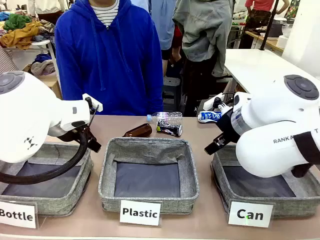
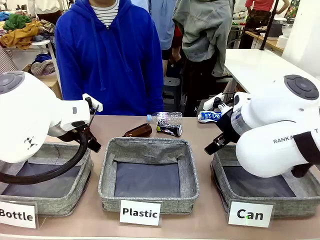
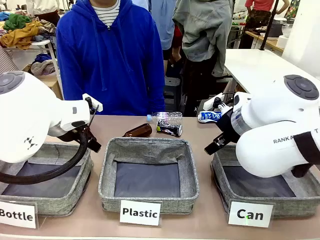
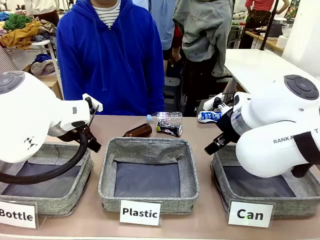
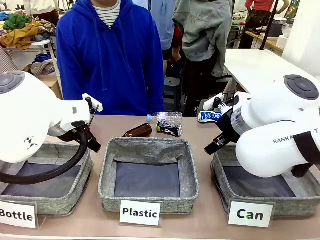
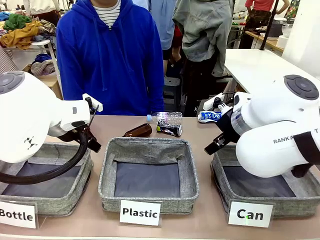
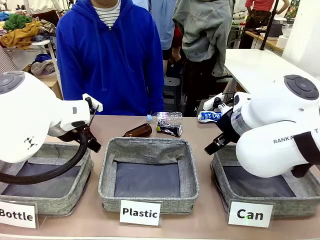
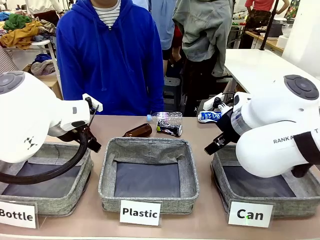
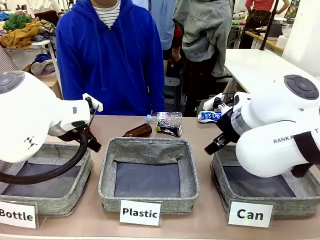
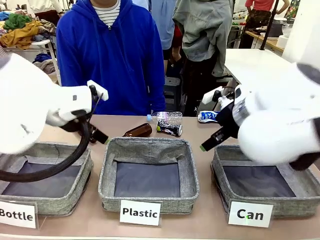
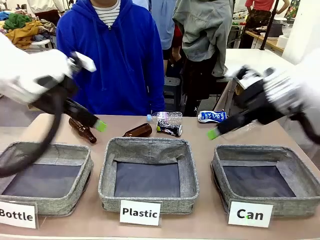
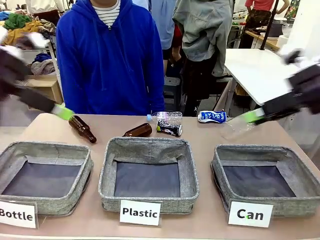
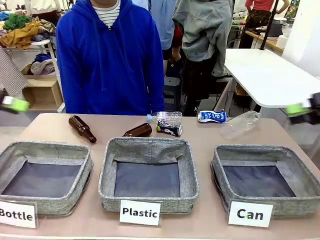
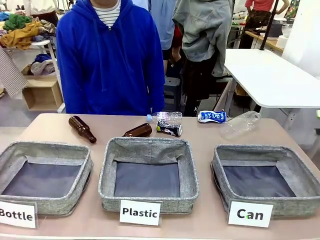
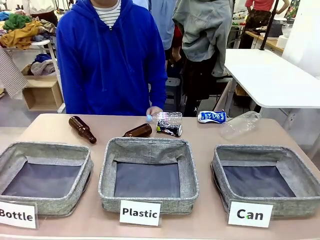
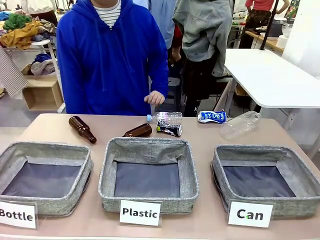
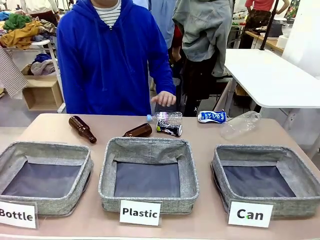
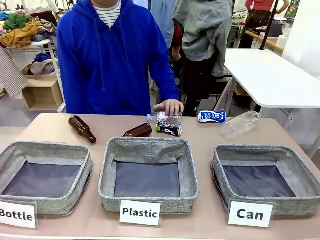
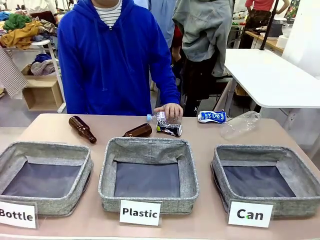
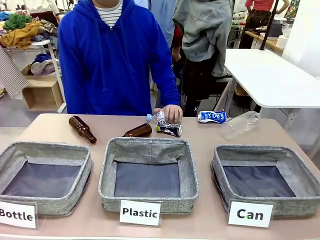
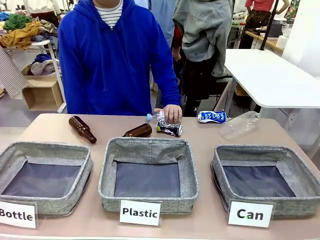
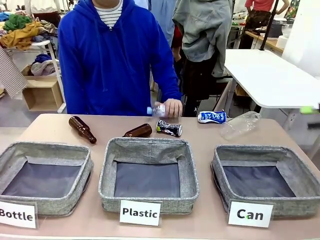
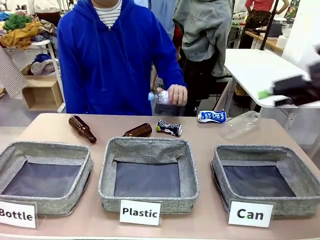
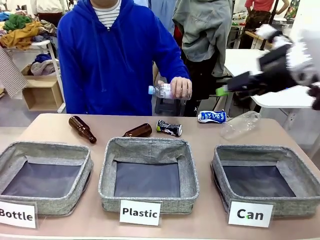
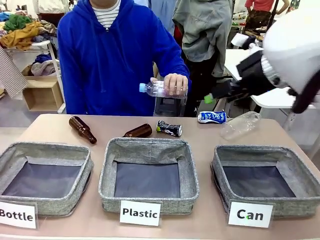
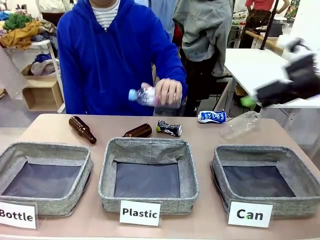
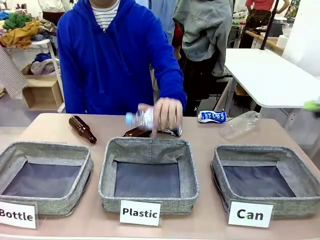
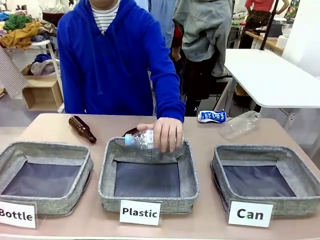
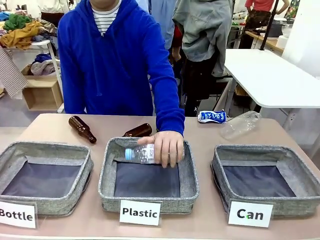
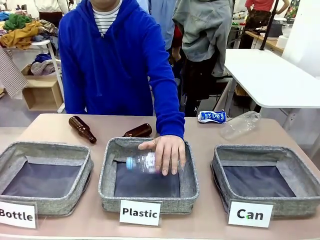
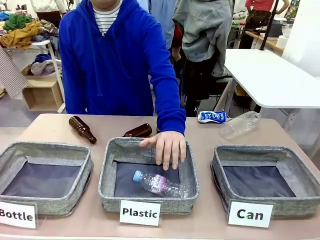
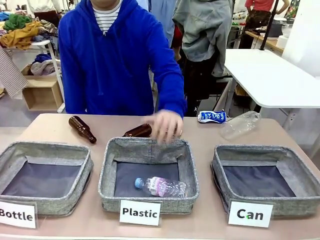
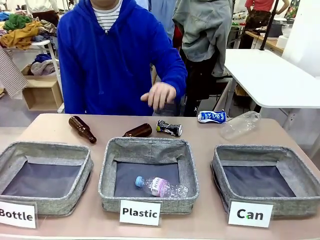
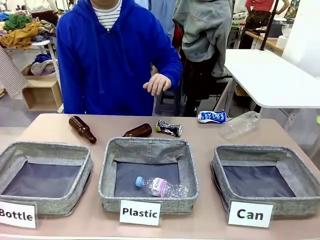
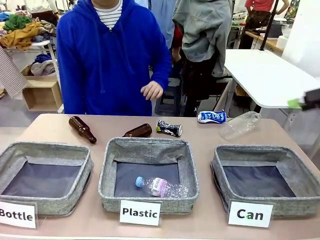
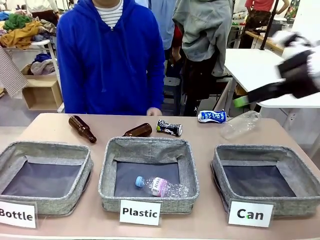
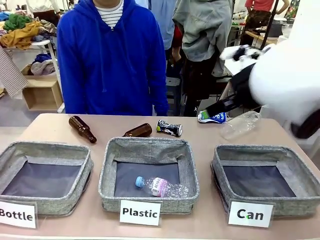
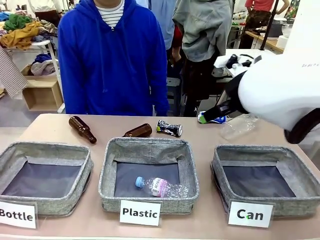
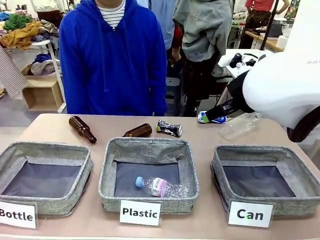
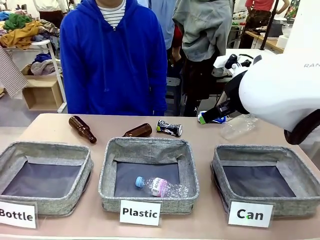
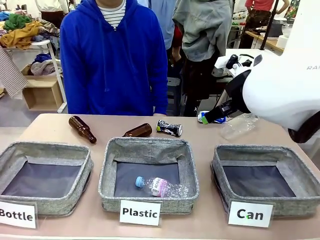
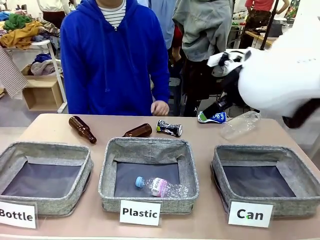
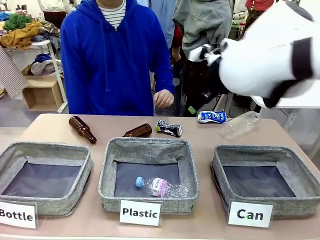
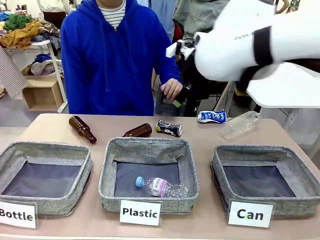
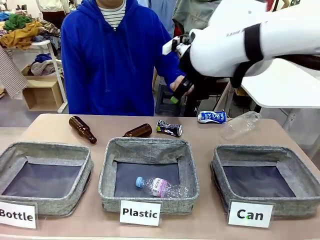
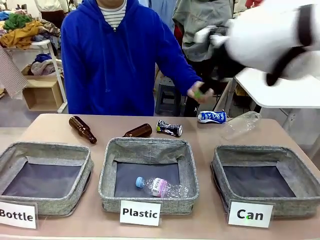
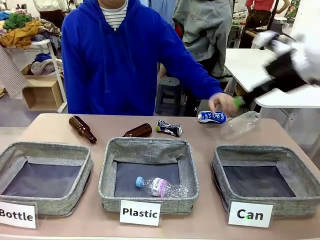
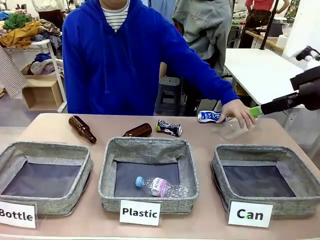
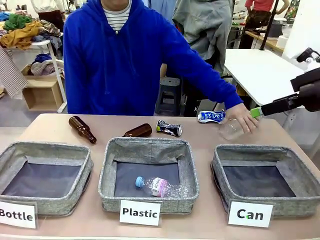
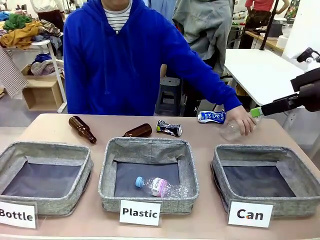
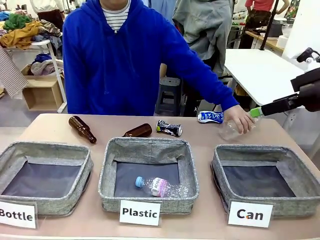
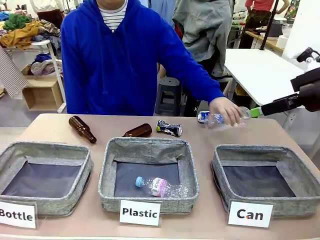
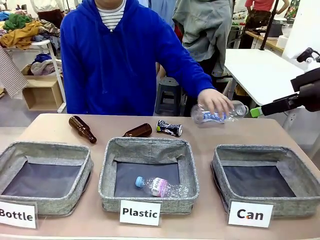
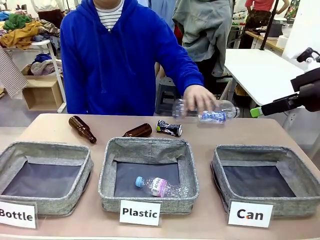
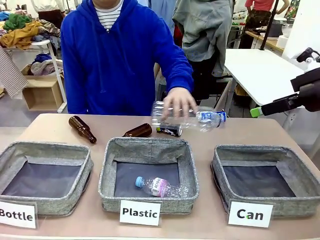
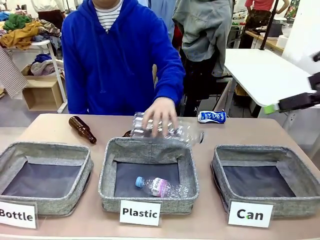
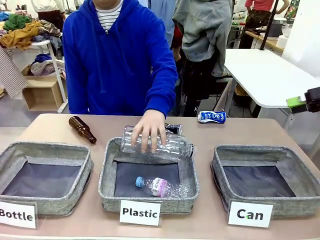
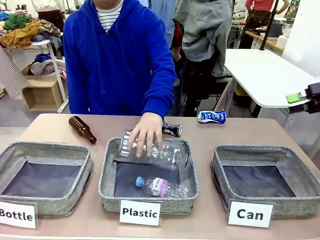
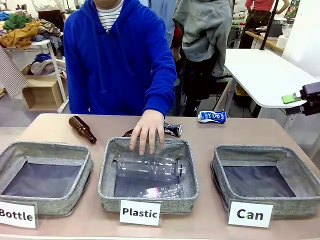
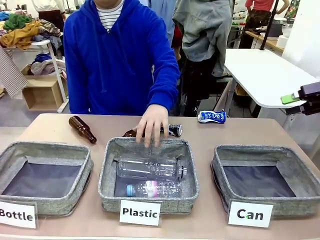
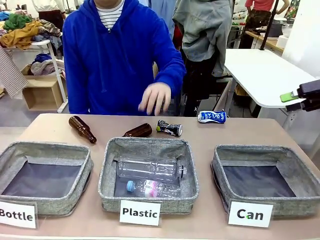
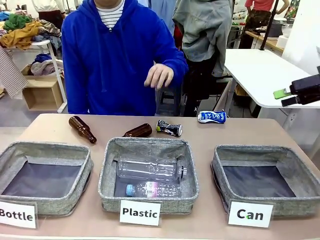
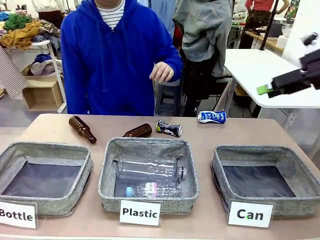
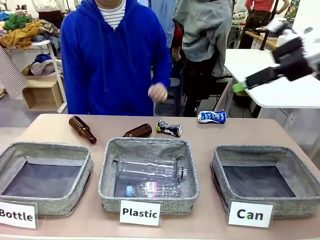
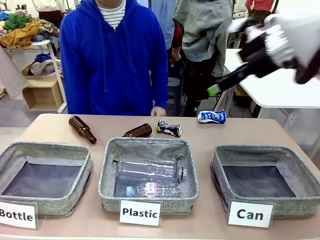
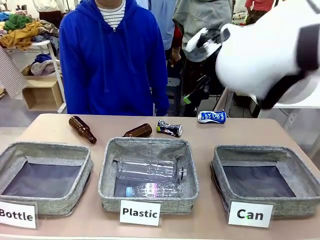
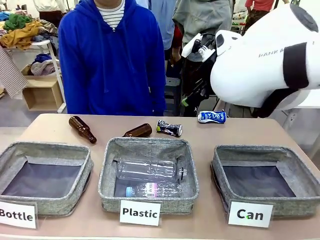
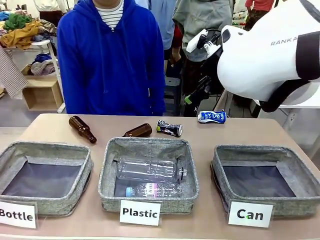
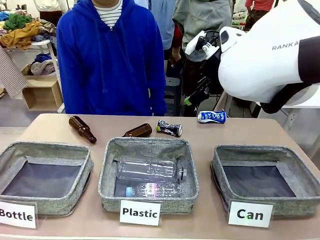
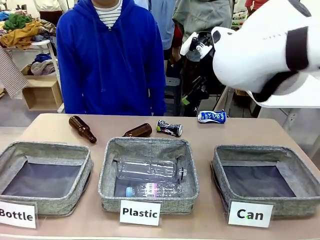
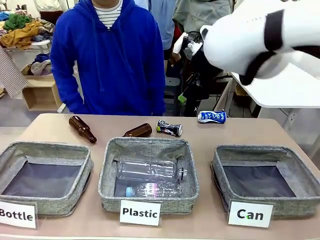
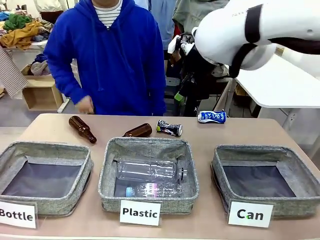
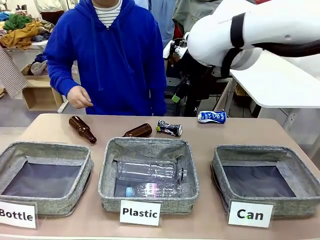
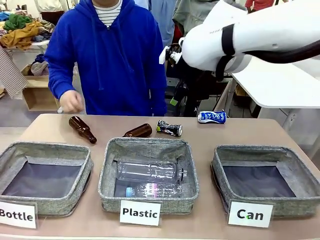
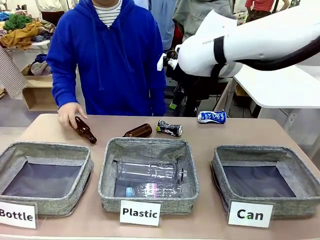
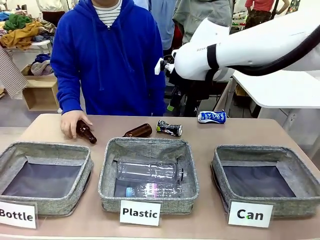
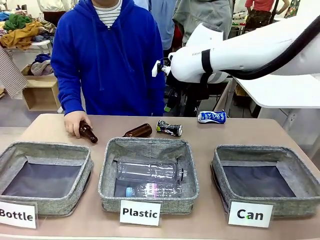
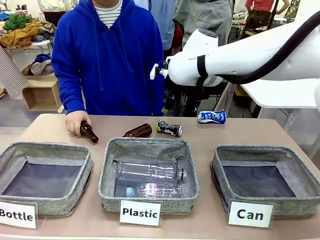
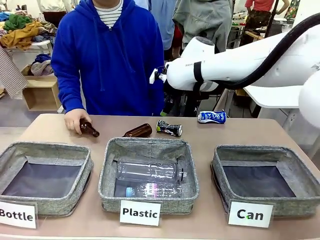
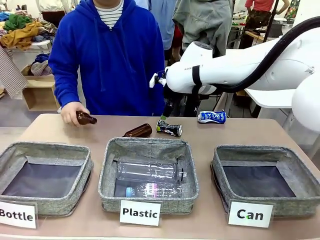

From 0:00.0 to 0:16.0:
Task: Sort the can waste into the basket.
Robot: Pick up the can waste from the table and place it in the right Fabric basket.
